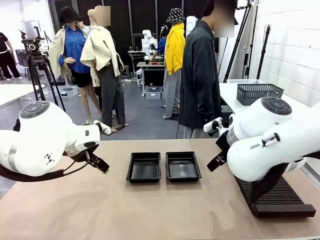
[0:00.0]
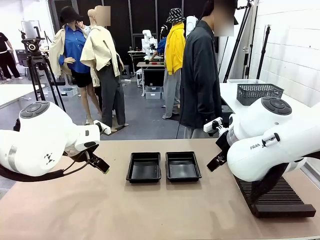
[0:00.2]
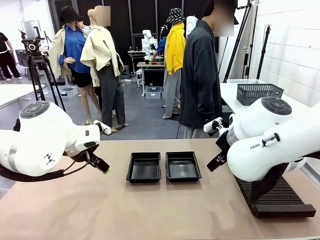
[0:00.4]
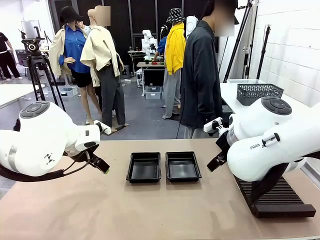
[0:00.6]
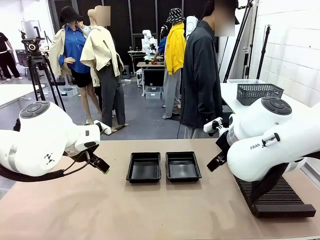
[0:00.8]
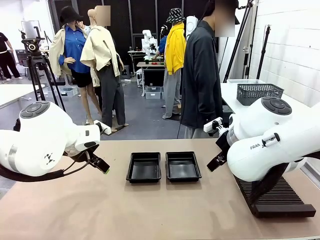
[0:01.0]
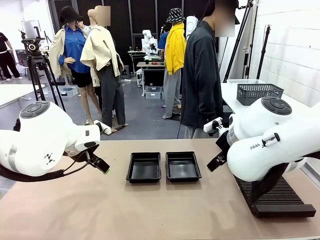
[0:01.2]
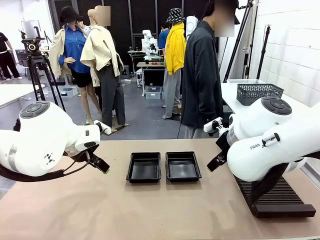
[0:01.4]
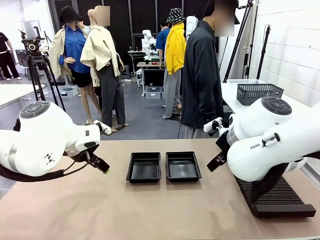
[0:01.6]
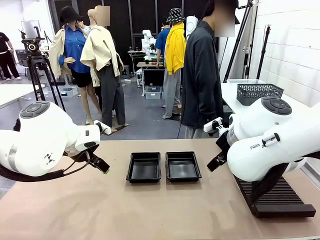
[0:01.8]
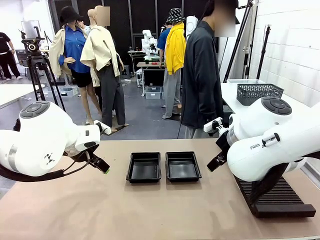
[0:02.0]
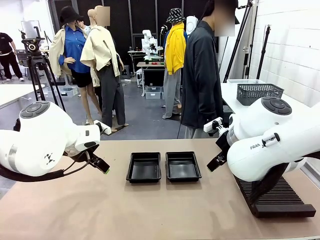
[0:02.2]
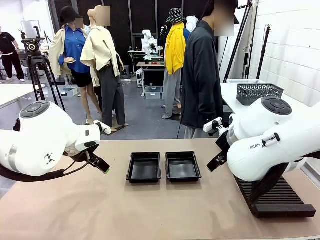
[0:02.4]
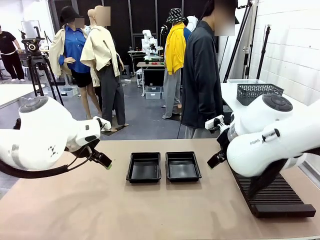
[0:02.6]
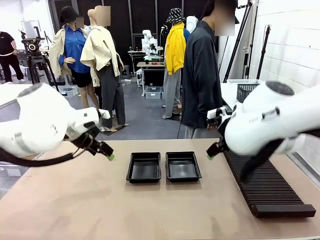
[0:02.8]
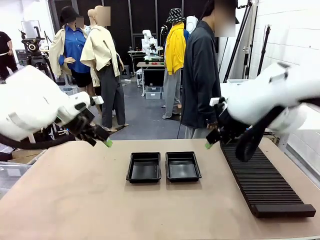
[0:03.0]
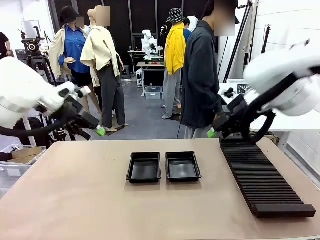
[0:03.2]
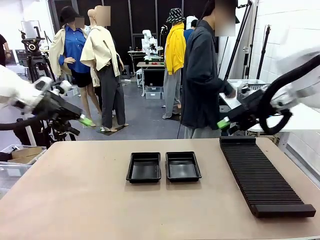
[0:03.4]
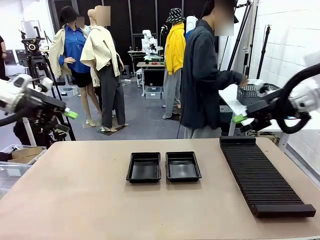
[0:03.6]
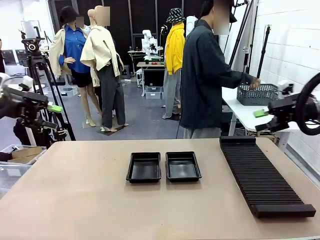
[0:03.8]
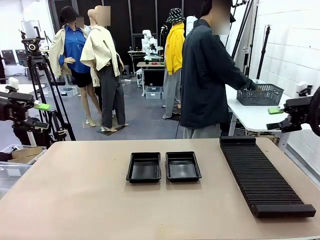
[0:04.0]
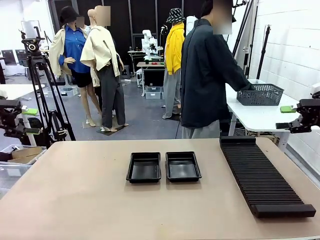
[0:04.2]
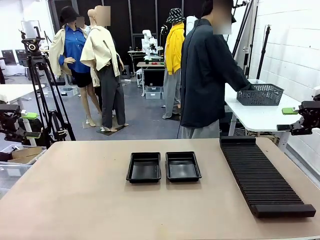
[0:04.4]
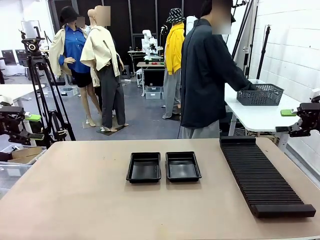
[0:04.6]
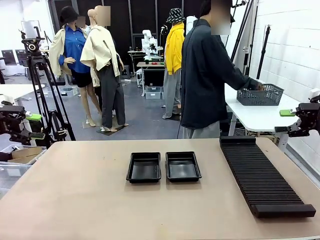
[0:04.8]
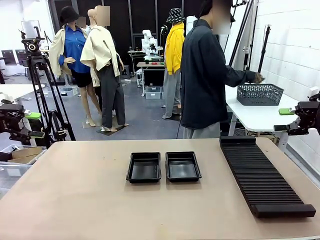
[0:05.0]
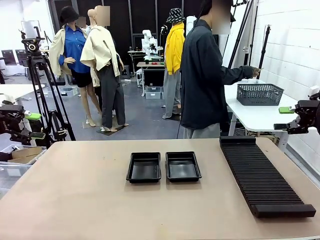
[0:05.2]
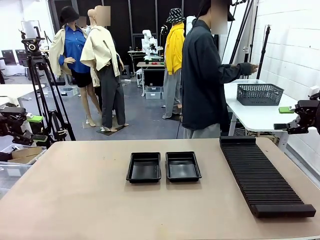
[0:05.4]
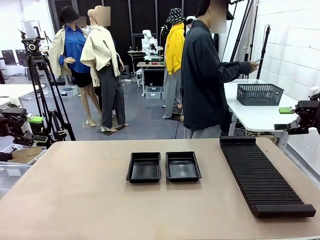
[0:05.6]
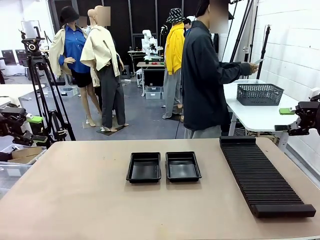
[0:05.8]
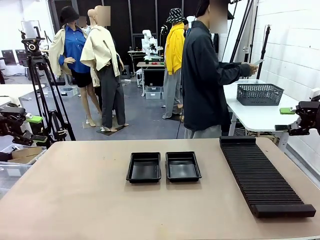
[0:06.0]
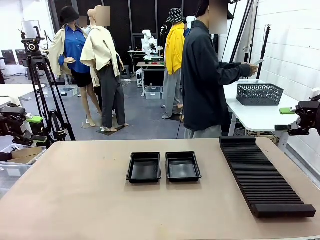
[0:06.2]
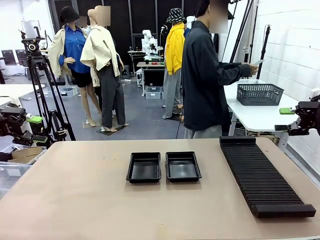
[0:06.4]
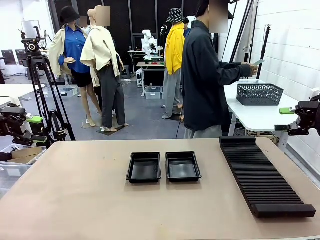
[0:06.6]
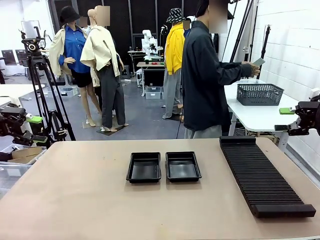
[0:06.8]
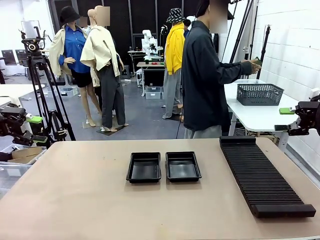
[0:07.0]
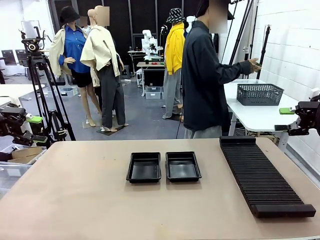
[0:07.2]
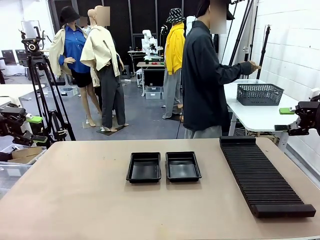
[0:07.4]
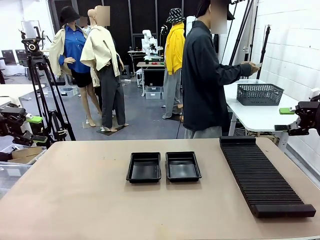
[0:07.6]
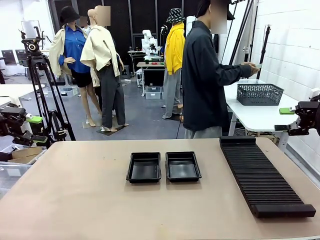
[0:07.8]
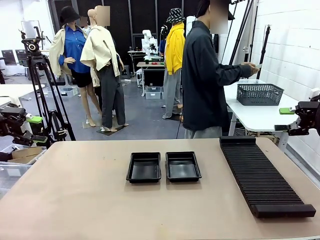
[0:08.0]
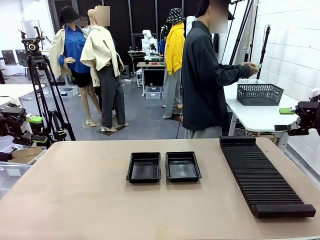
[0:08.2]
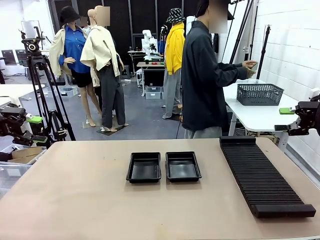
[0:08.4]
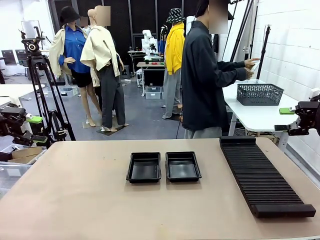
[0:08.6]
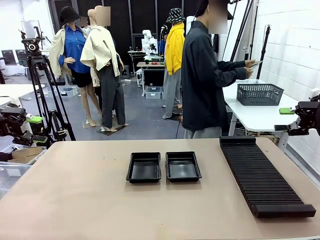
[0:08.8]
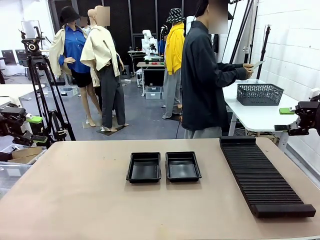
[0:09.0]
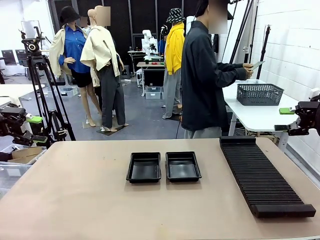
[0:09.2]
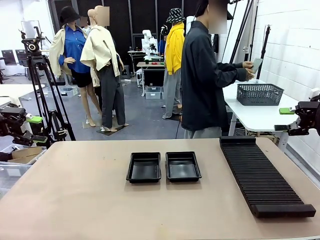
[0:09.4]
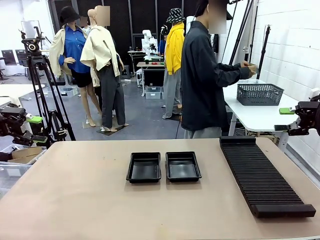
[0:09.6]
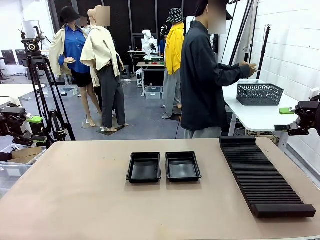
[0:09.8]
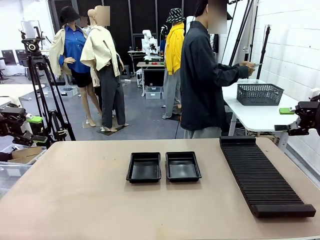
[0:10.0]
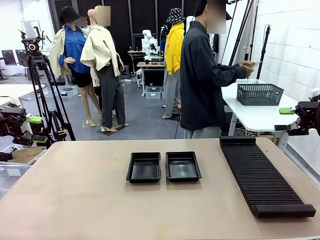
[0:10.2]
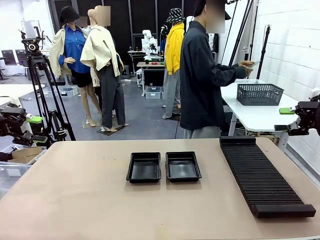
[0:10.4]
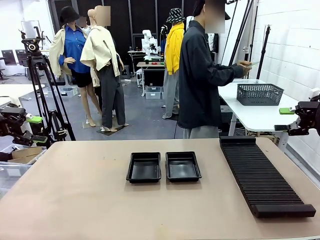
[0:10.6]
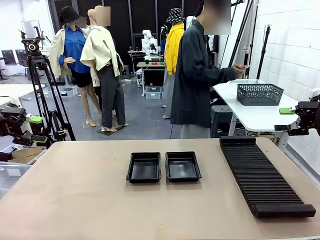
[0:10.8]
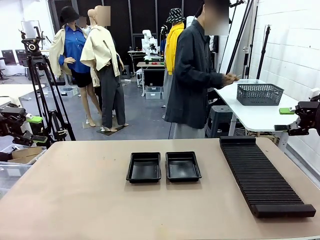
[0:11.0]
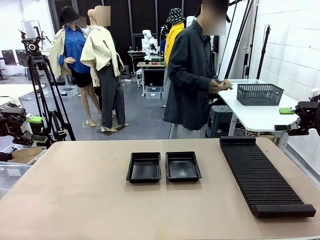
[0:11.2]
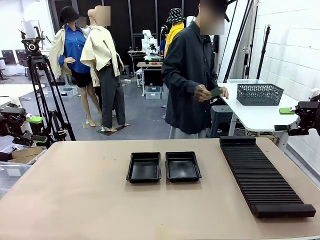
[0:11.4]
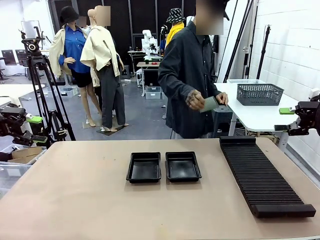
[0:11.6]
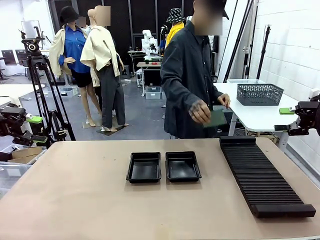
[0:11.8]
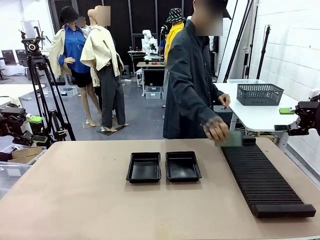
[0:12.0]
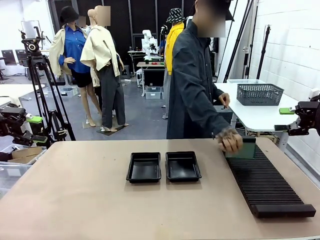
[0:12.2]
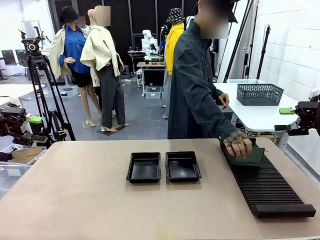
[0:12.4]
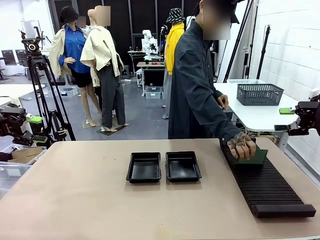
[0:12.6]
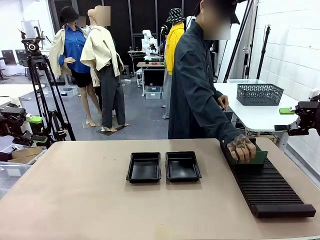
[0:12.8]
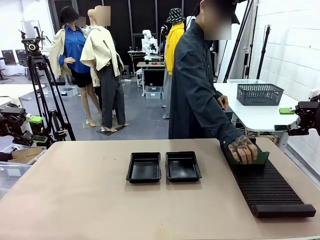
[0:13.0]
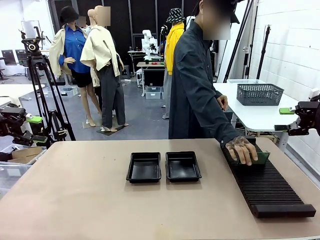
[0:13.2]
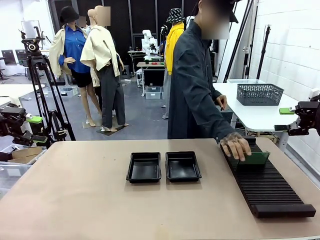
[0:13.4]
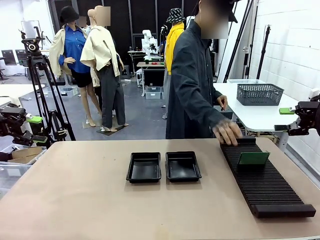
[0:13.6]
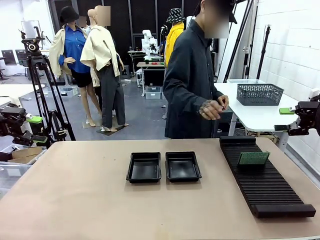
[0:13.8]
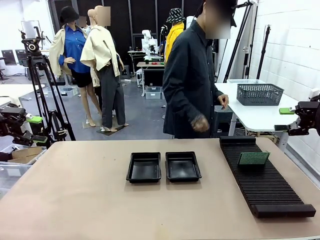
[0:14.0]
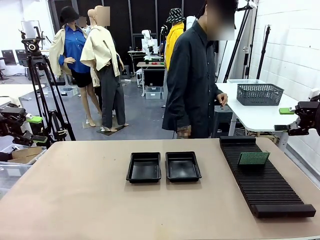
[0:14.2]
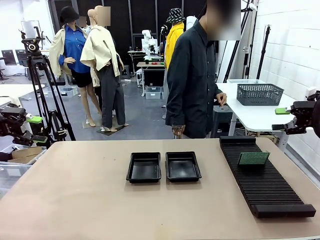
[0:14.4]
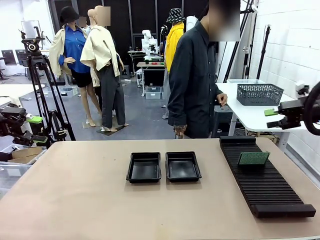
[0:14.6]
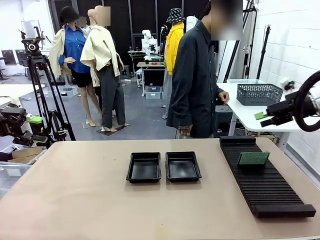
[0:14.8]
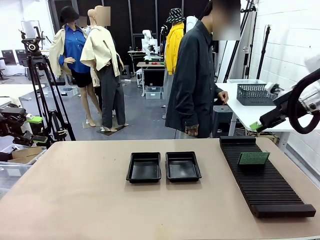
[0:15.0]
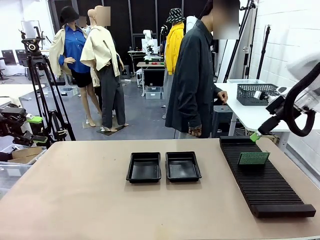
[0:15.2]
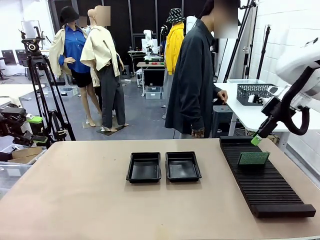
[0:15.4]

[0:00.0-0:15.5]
Task: Inspect and transfer BCBs to ESD trays.
Robot: Pick up the Blank PCB from the PCB Rack and place it in the left ESD tray.
